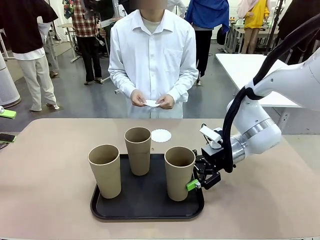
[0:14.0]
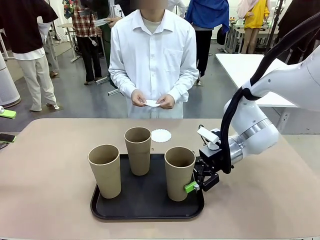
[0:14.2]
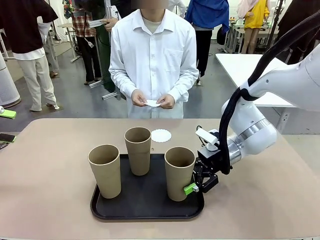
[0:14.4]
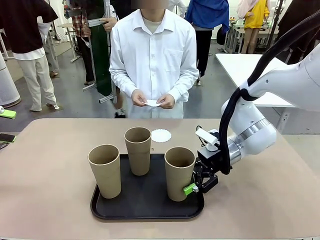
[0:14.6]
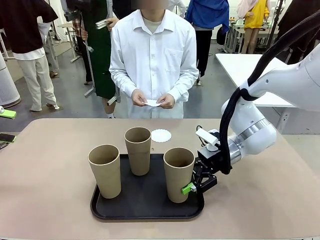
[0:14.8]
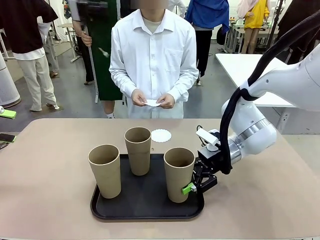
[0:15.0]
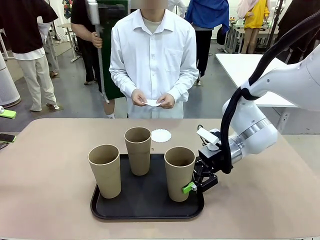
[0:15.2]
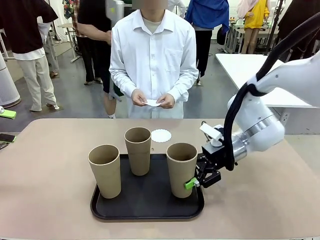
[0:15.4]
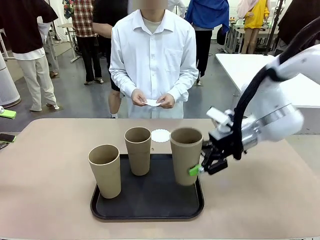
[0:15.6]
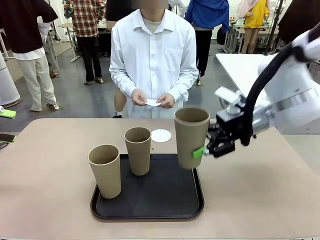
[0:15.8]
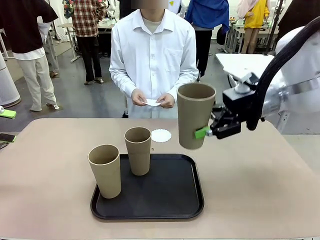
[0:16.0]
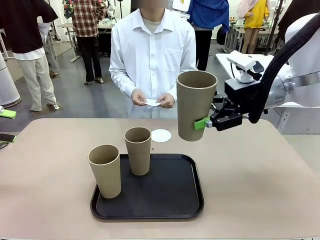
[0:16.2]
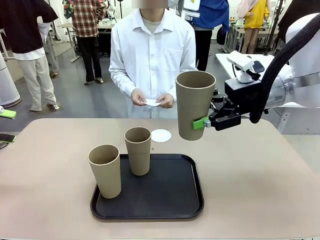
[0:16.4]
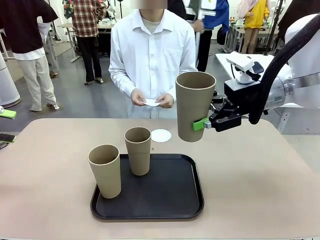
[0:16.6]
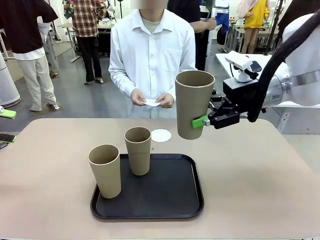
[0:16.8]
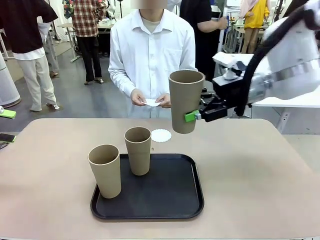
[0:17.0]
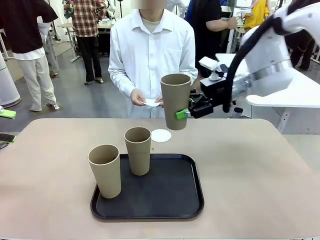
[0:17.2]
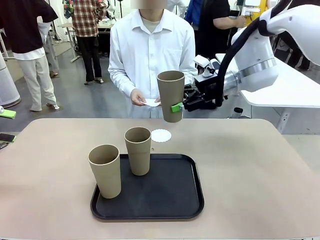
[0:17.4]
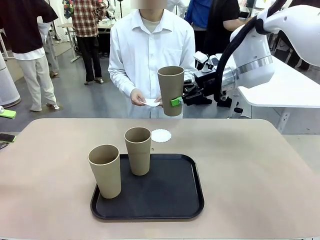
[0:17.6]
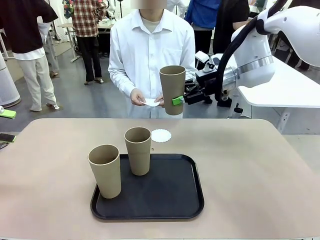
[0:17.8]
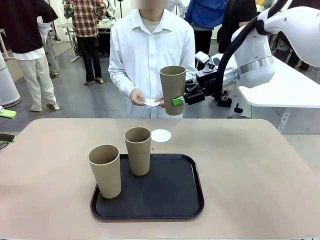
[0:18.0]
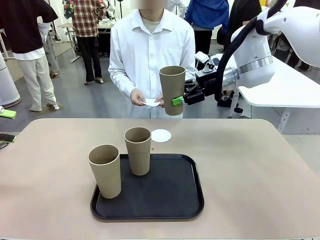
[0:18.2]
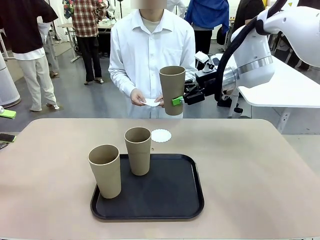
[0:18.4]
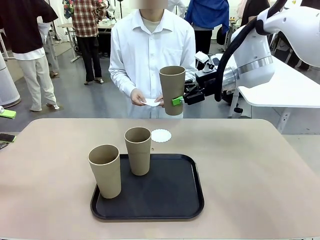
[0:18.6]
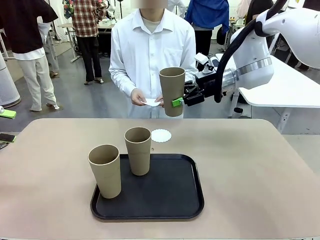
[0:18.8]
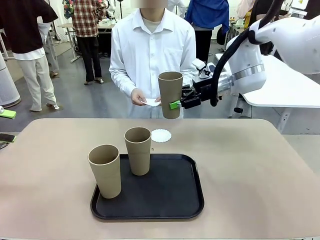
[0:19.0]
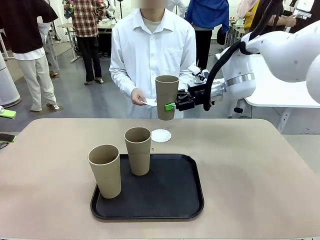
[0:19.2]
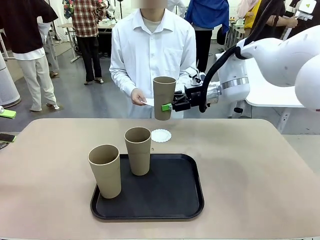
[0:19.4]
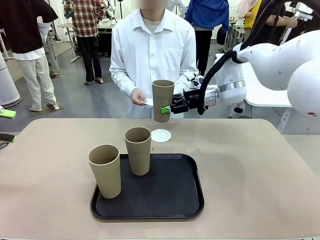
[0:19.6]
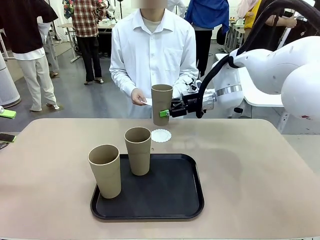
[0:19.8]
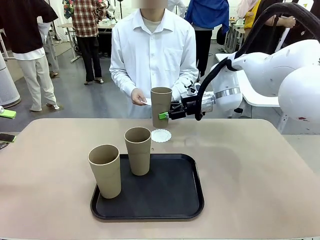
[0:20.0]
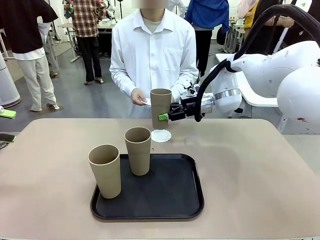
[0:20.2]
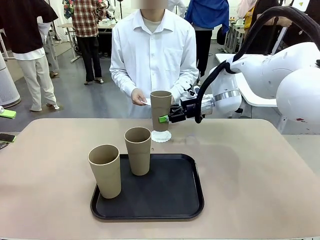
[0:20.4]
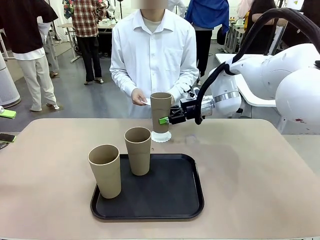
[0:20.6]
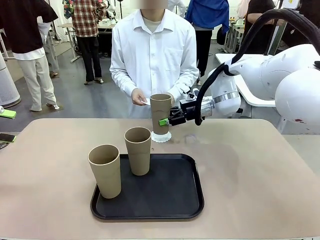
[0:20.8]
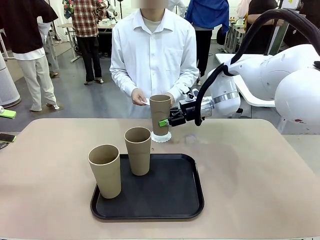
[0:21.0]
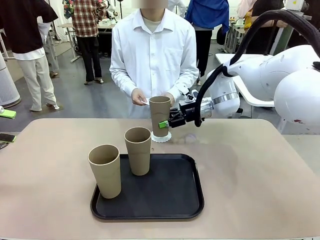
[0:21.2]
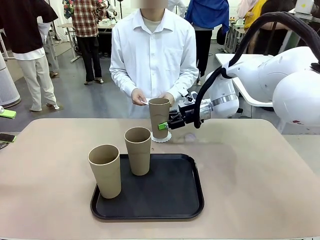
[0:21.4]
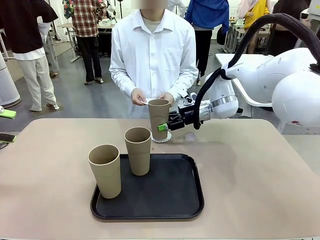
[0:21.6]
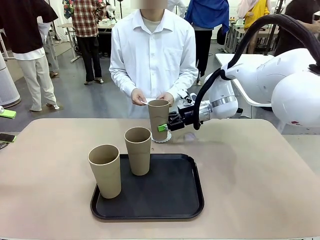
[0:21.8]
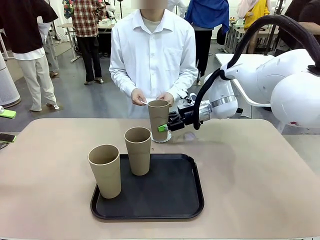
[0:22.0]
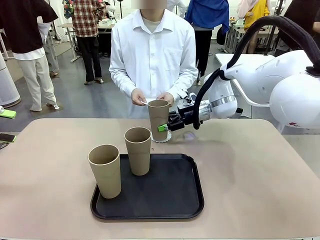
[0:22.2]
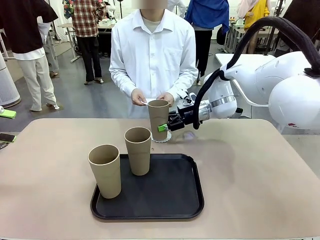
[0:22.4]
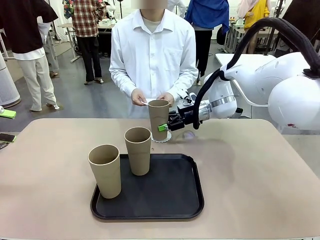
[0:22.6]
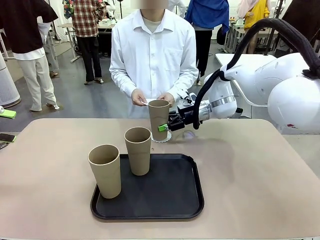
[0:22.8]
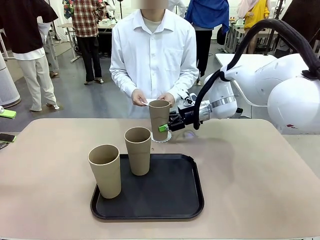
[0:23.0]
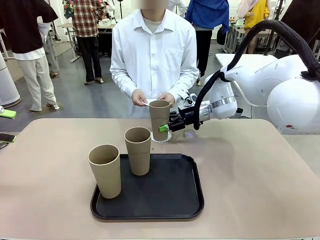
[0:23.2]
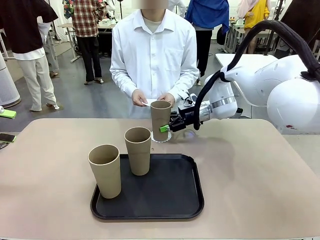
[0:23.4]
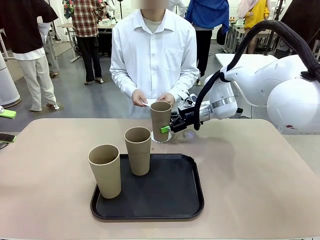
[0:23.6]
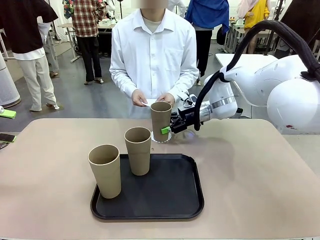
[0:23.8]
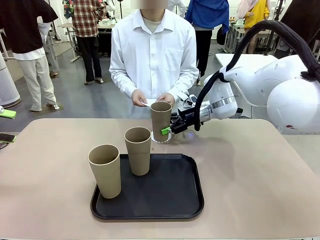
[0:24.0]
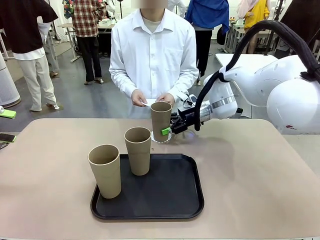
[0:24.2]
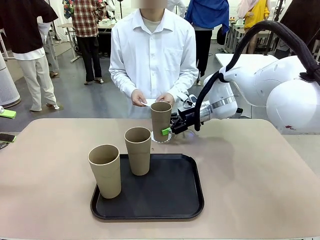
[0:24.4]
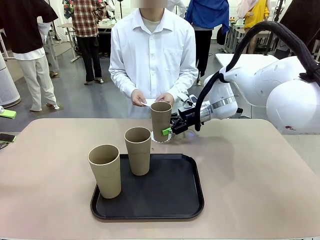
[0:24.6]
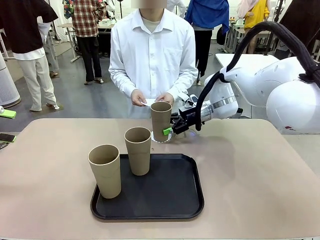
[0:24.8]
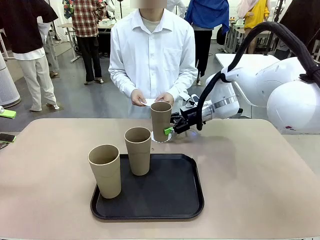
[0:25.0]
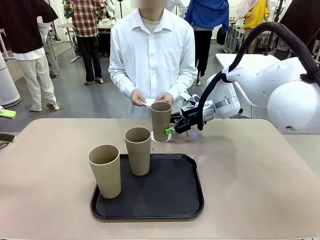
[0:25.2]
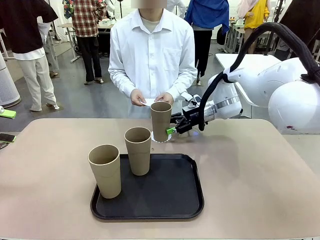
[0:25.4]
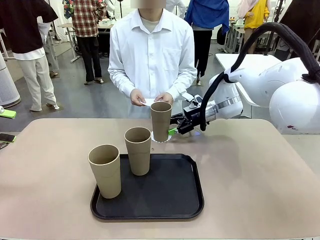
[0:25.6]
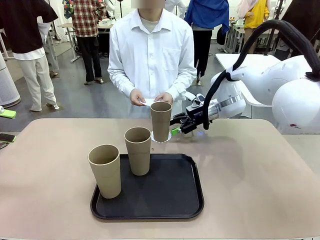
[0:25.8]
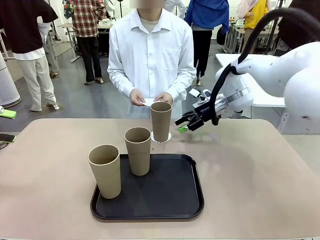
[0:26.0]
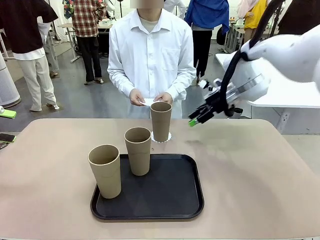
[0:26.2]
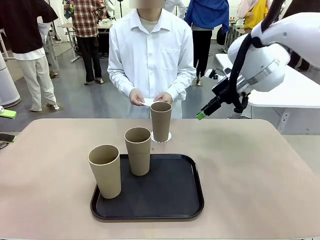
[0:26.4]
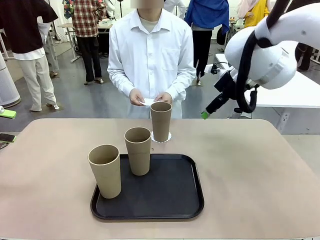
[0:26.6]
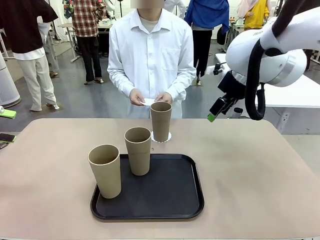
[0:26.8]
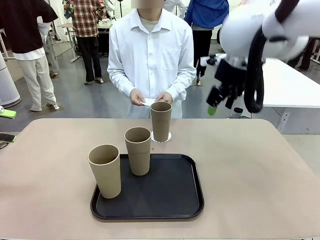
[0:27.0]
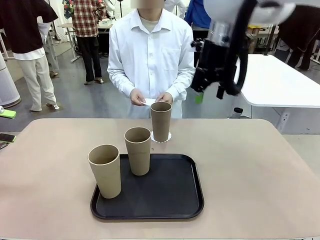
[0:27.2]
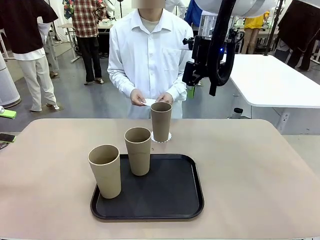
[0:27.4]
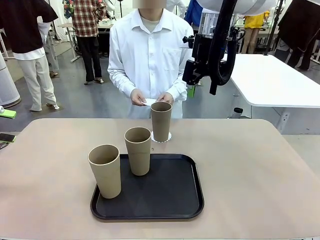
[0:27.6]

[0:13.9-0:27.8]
Task: Place coasters on the table and set cups on them.
Robot: Pick up one Reusable plastic cup and place it on a coaster set by the human.
Person: Place one coaster in one of the two areas excluding the previously selected area.
